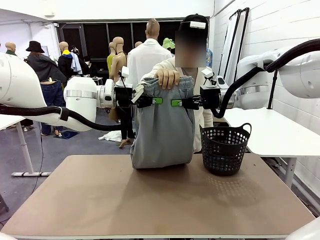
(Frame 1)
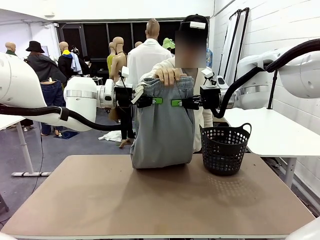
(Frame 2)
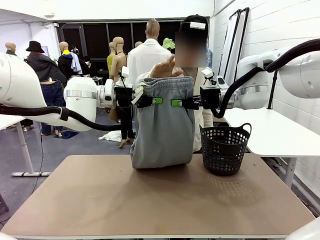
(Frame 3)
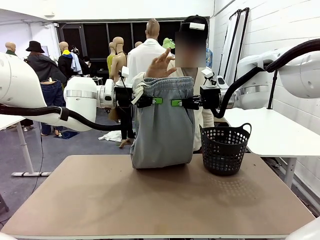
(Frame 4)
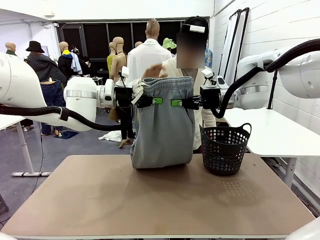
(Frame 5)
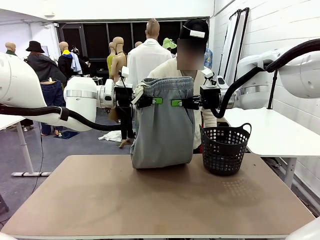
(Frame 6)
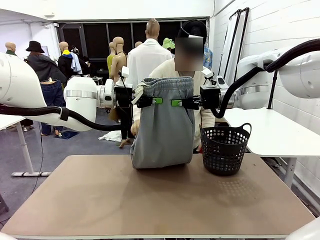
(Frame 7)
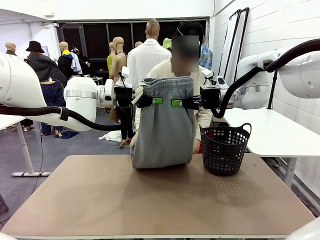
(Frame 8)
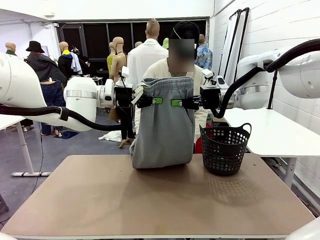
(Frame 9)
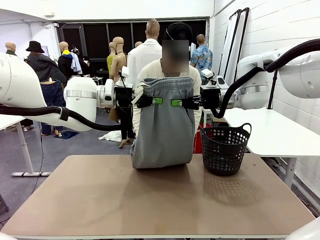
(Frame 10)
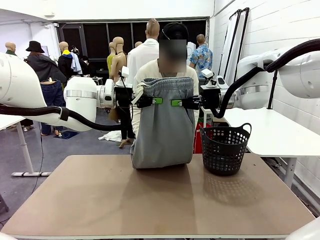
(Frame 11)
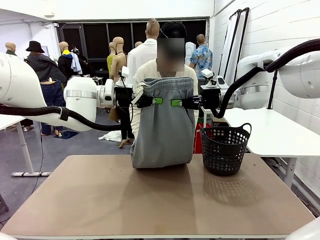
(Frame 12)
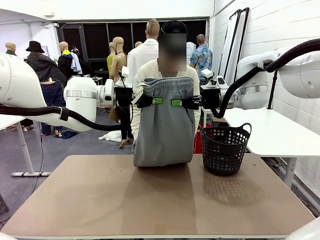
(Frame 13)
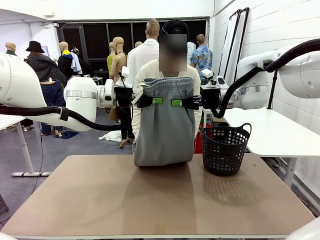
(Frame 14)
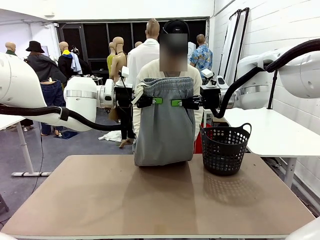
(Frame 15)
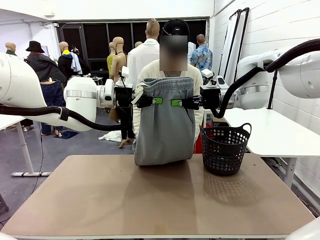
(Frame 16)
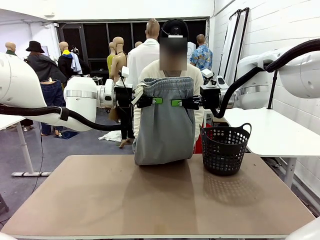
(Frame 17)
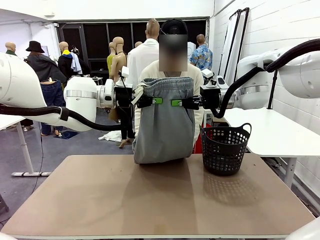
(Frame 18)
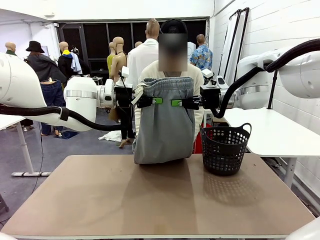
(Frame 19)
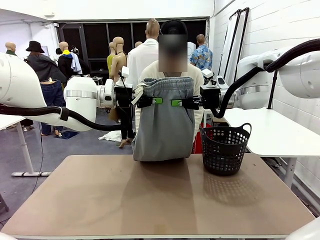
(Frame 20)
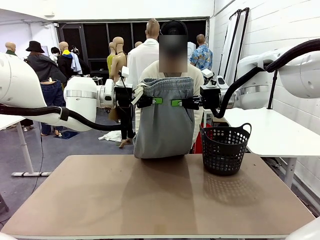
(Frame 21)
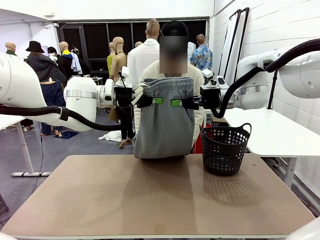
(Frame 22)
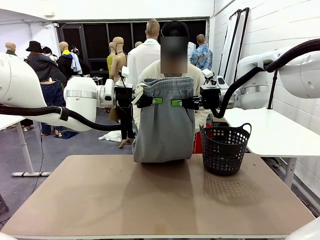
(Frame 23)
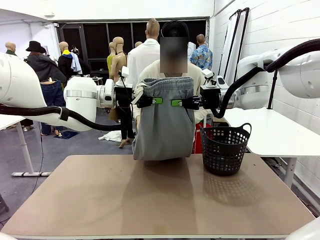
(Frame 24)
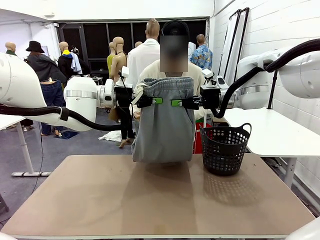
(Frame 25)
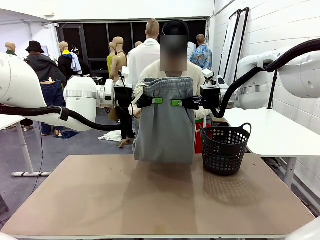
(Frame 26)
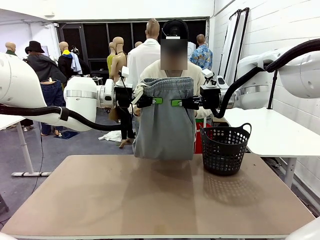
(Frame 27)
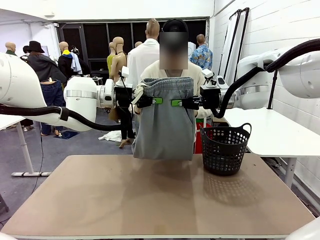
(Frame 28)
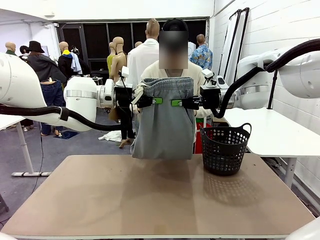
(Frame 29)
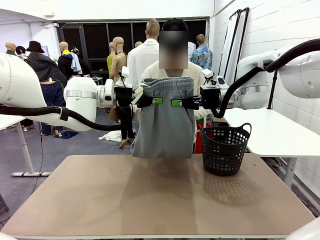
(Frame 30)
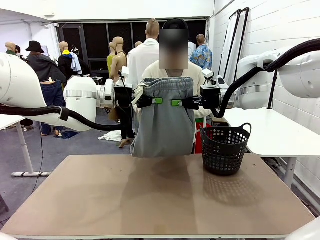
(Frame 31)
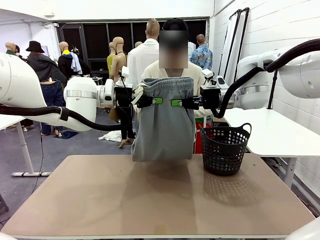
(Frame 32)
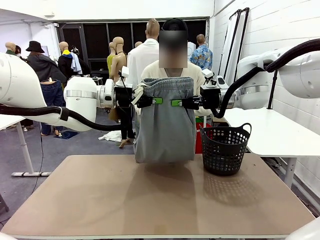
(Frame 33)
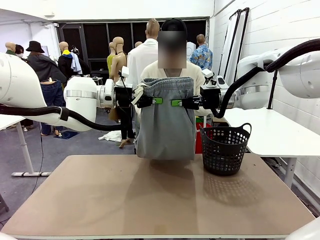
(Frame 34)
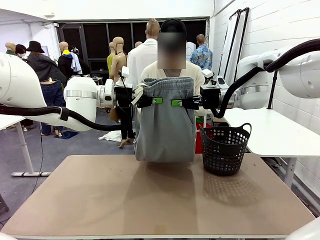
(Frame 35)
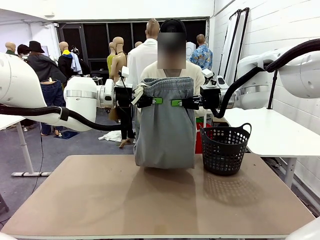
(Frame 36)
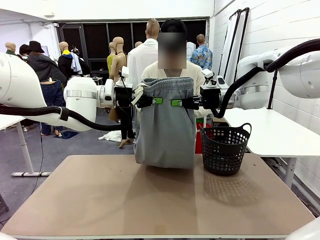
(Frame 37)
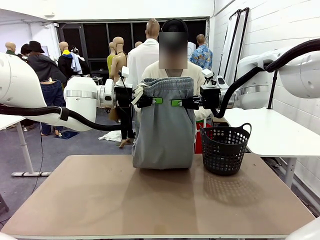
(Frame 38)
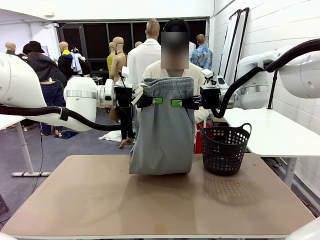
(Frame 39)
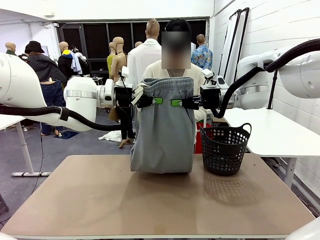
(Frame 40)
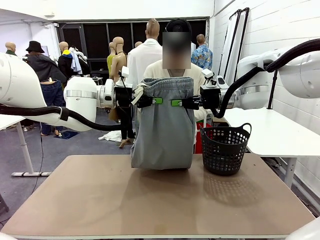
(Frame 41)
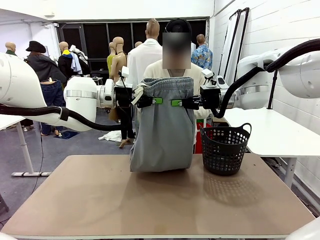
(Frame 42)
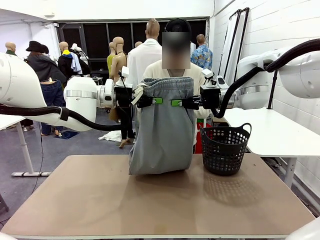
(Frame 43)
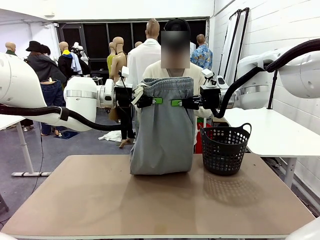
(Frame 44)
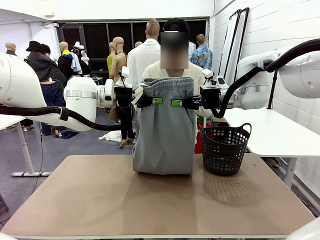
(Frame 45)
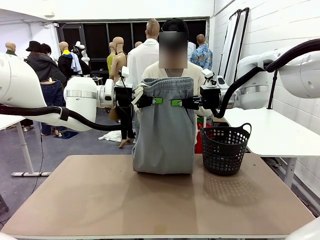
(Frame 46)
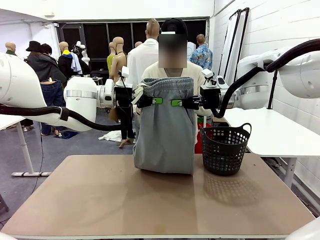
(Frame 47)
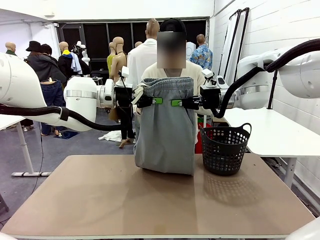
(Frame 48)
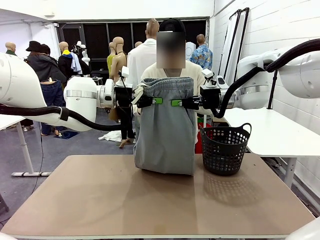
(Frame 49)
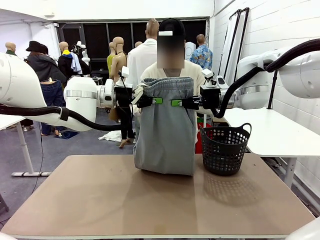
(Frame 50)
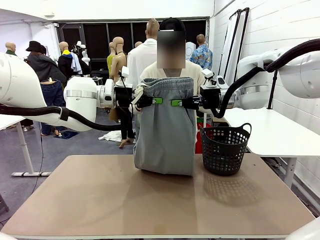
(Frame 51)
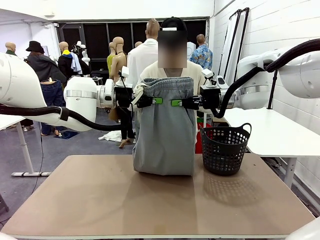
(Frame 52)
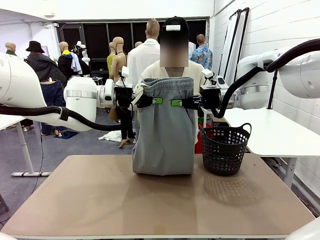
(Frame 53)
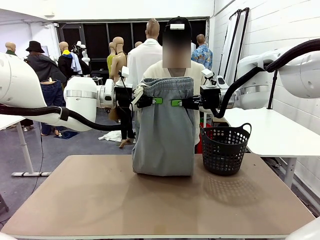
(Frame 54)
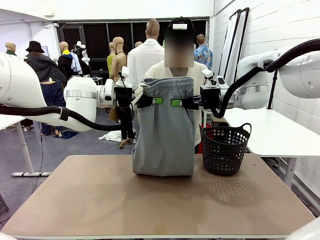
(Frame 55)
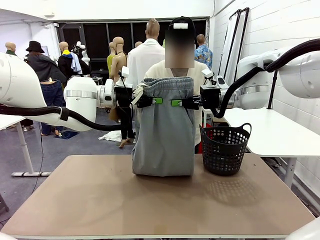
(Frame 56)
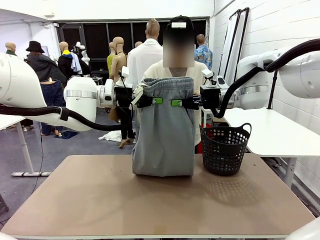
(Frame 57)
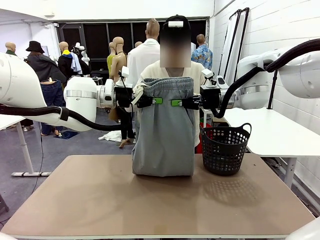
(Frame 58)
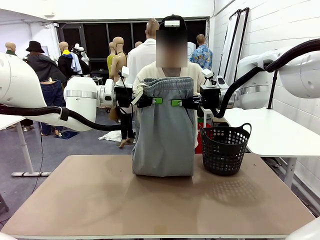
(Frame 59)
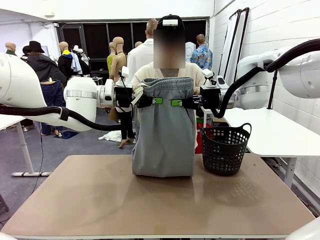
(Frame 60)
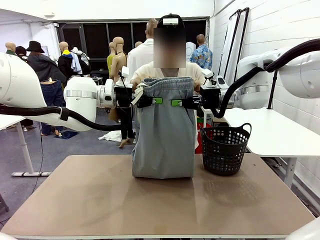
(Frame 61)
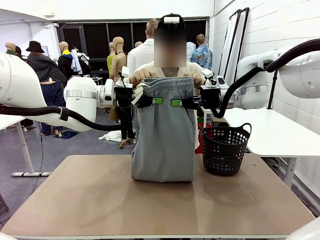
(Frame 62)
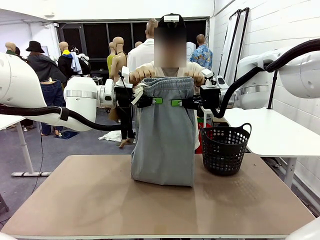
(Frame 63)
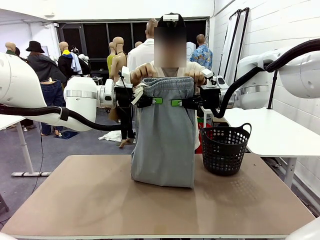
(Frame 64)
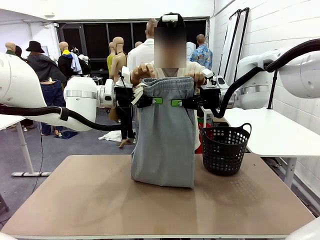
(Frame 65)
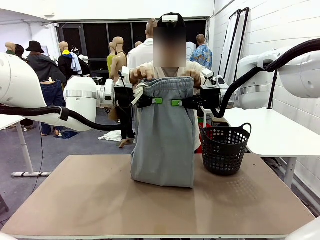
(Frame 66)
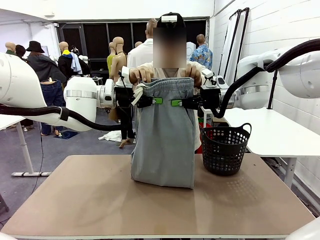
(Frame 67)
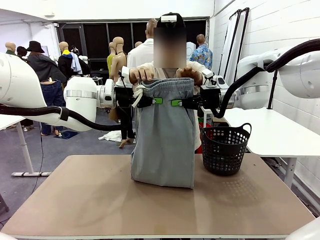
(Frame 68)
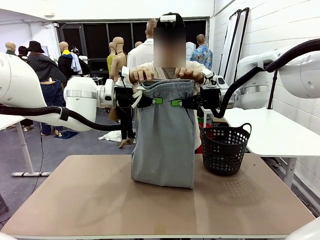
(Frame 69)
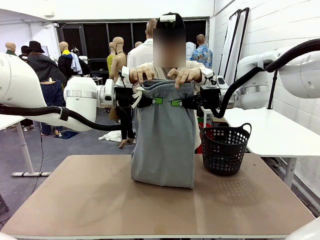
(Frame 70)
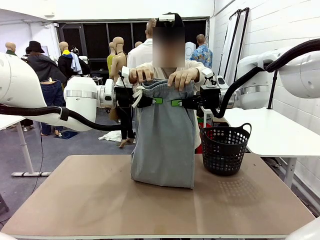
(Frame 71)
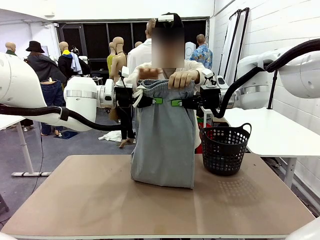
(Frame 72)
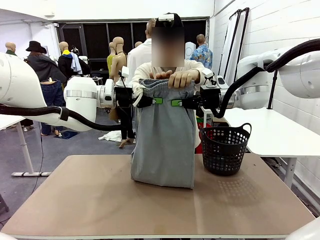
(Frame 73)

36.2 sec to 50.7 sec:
Task: Fold the training pants.
Robot: Release the ends of the Training pants and then grab the overlapped ends.

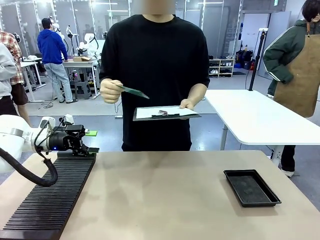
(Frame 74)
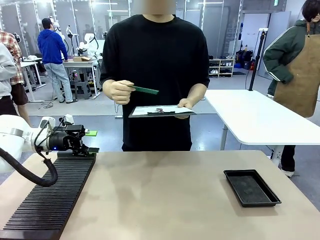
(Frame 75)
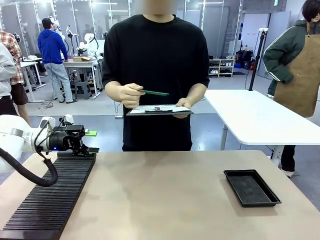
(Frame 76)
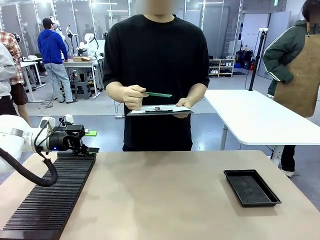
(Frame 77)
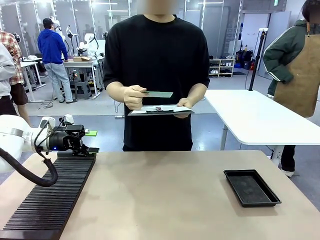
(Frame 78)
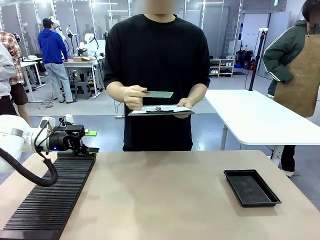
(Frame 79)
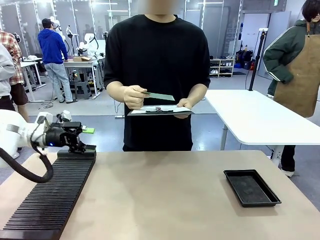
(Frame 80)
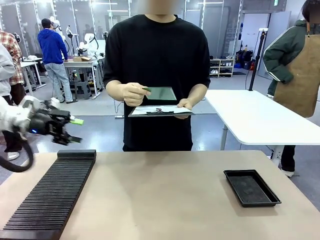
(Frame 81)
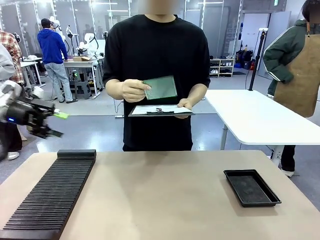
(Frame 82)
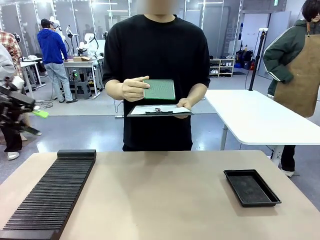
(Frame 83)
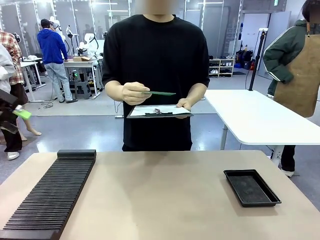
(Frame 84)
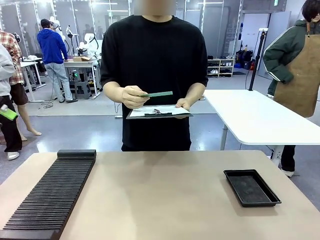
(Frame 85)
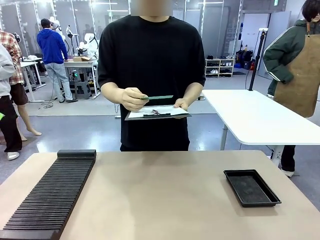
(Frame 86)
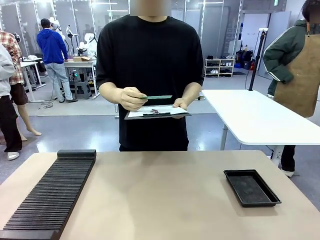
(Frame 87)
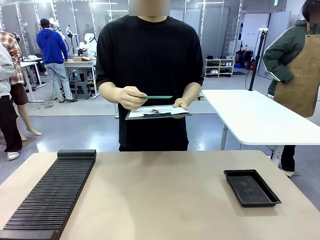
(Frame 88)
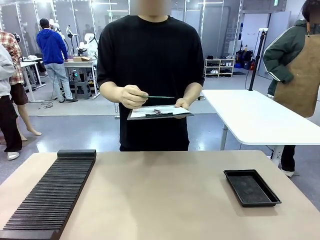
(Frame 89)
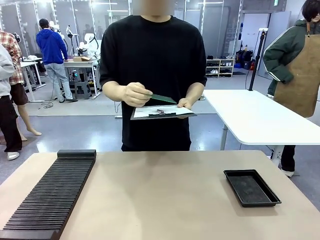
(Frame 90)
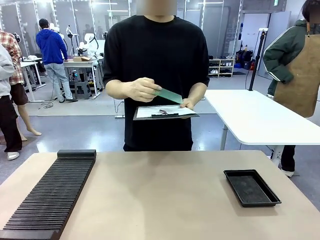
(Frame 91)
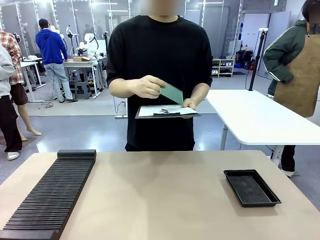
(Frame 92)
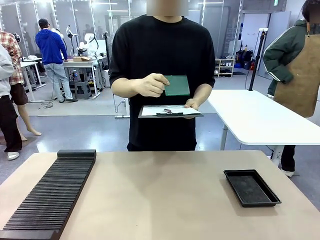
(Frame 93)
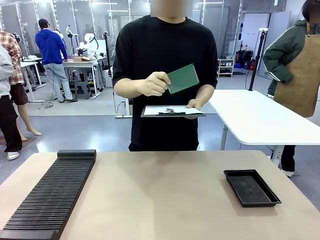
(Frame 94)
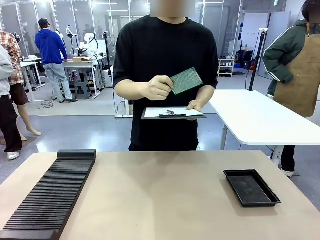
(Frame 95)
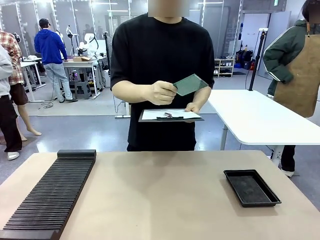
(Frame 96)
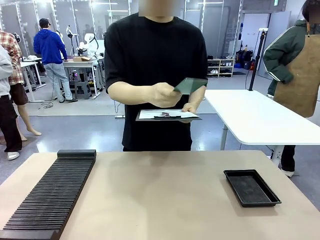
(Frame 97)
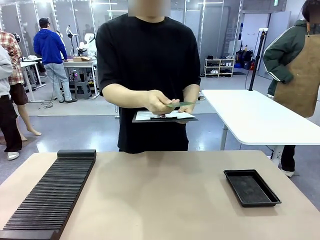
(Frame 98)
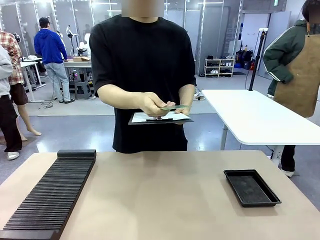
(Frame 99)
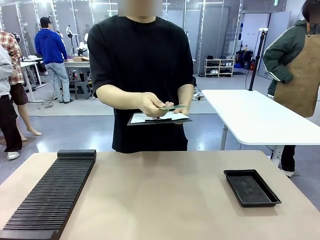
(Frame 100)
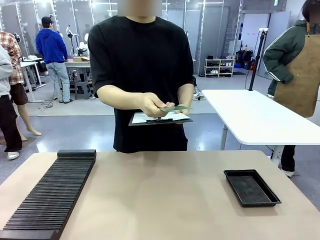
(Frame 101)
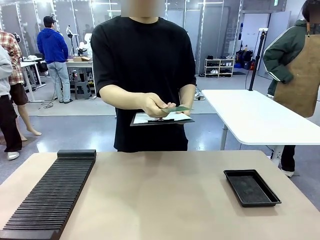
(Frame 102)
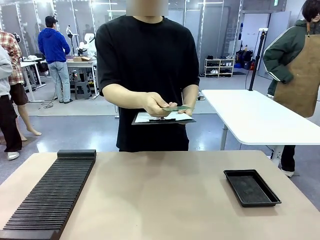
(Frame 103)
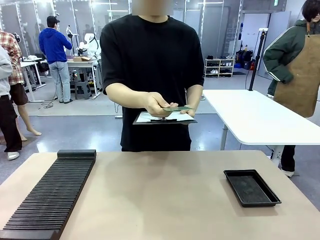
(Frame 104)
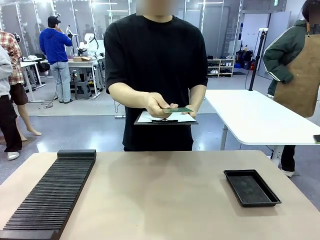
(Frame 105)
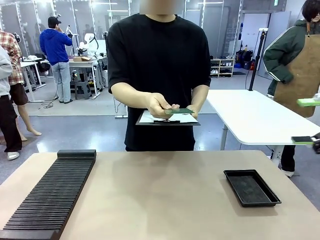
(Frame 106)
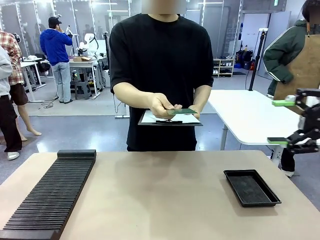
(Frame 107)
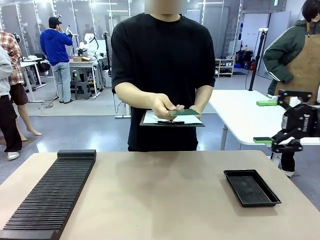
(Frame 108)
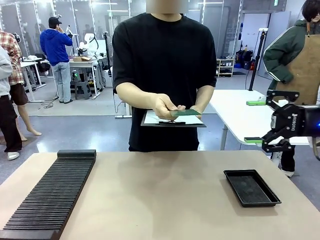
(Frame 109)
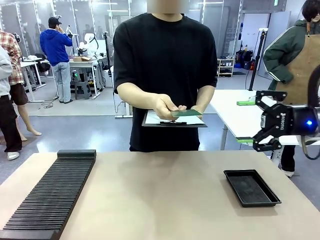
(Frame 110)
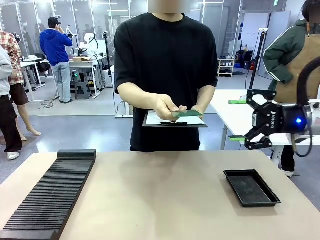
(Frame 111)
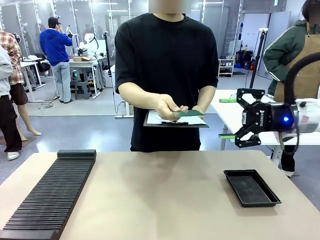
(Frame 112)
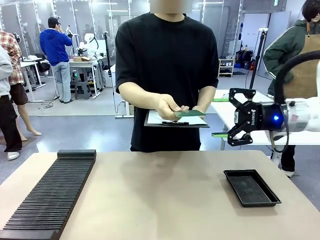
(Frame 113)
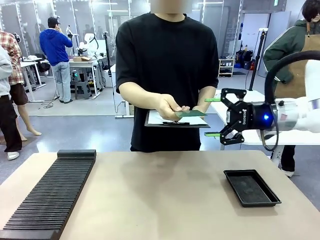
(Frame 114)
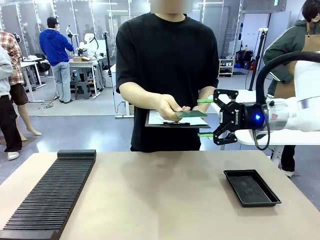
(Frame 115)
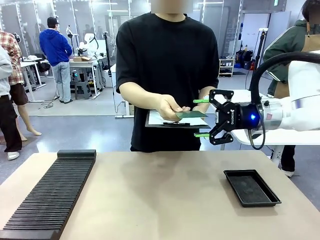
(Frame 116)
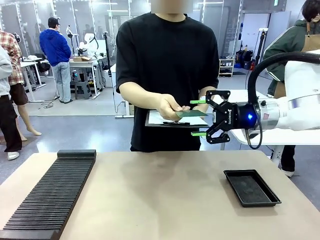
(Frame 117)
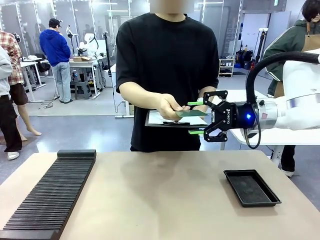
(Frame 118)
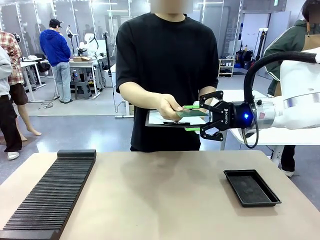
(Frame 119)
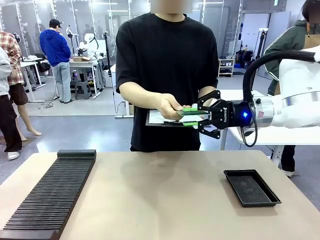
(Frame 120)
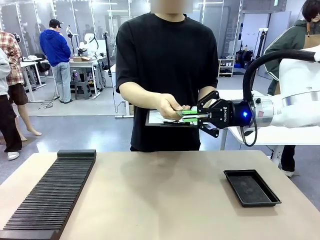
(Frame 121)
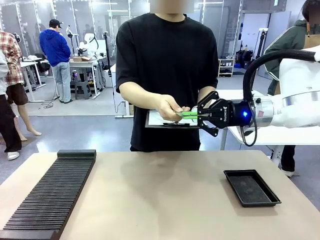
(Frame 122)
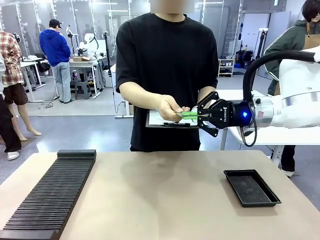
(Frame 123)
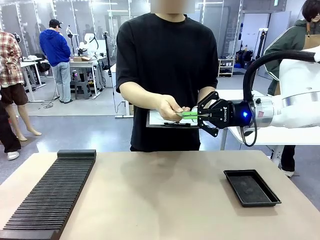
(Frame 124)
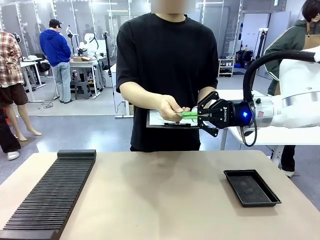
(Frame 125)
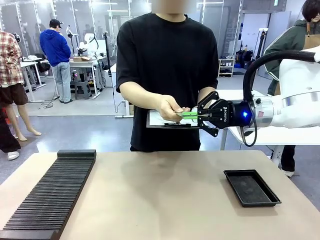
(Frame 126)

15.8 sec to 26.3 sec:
Task: Inspect the PCB.
Robot: Pick up the Blank PCB that the human is holding.
Person: Inspect the PCB placed by the robot, then hold it out in front of the robot. Release the PCB you were holding.
